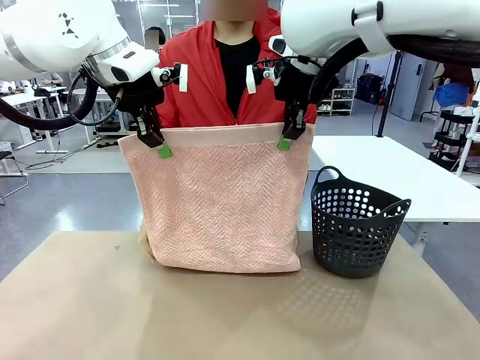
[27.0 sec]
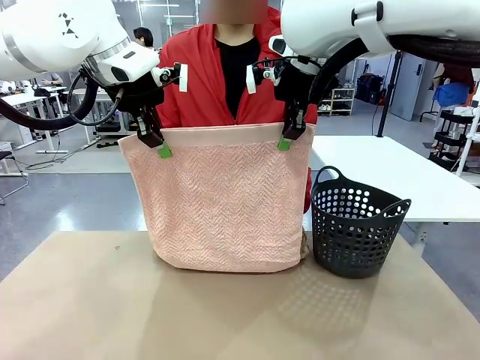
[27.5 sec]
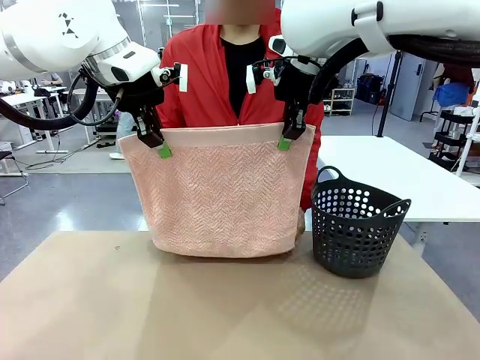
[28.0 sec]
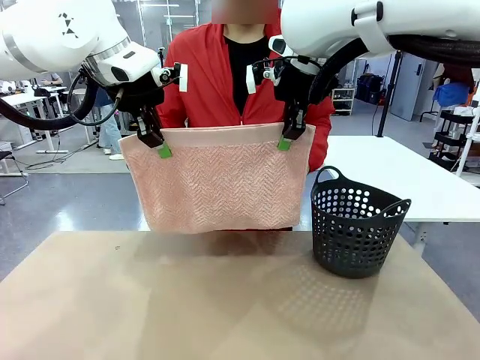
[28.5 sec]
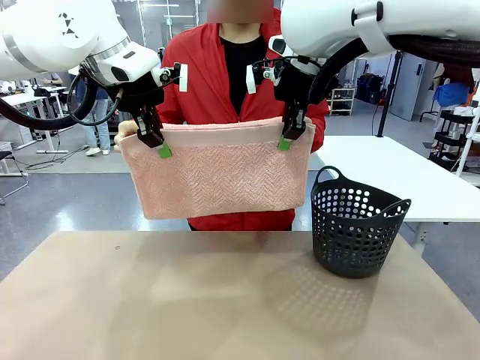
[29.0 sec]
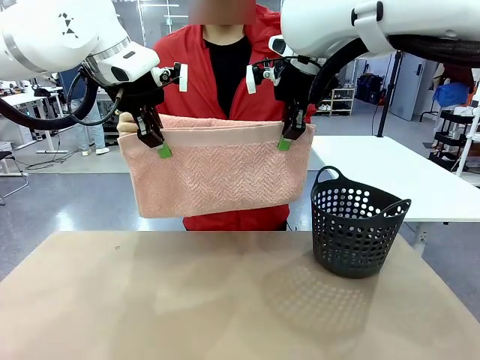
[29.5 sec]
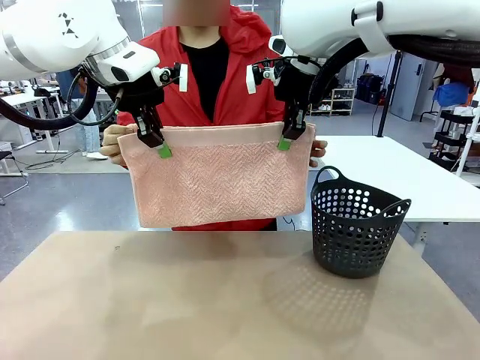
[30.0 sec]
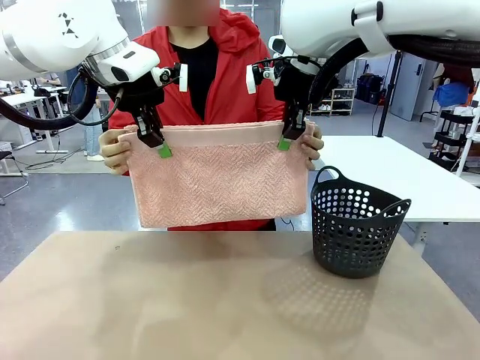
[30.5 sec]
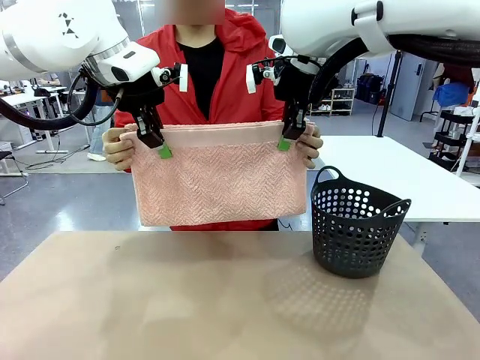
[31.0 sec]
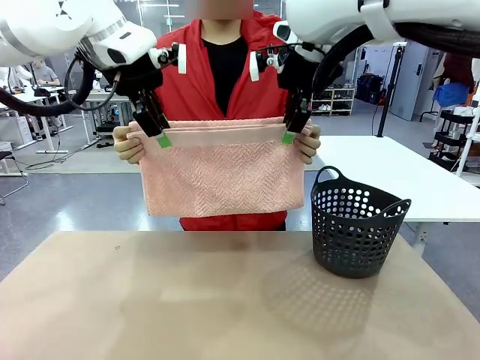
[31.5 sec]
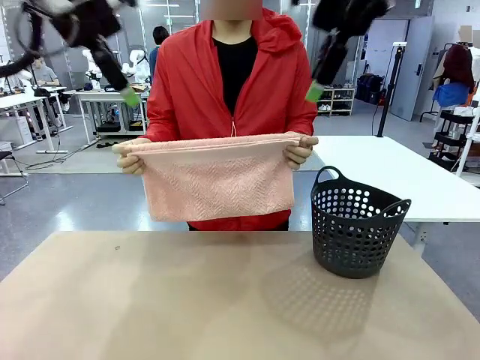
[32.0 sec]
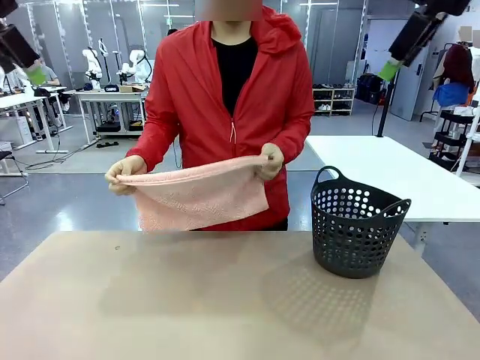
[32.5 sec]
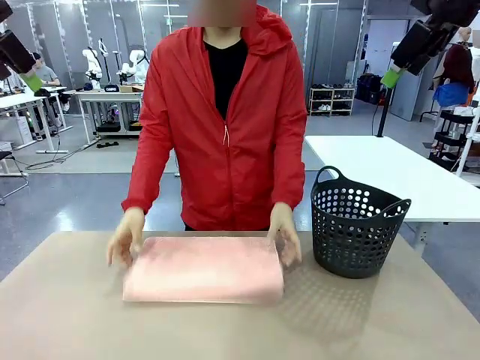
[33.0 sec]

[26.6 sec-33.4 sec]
Task: Fold the towel.
Robot: Release the end of the 100 cm Hotel Towel you were holding.

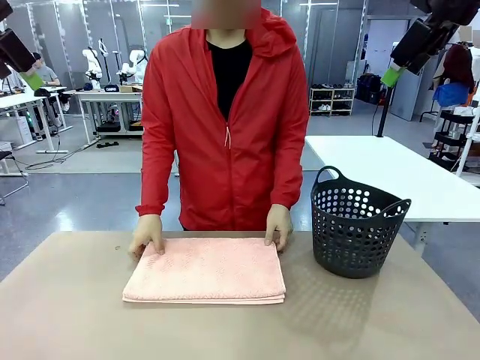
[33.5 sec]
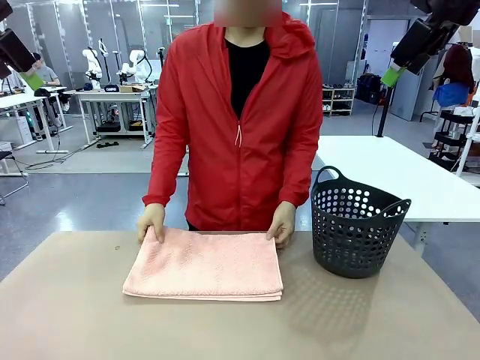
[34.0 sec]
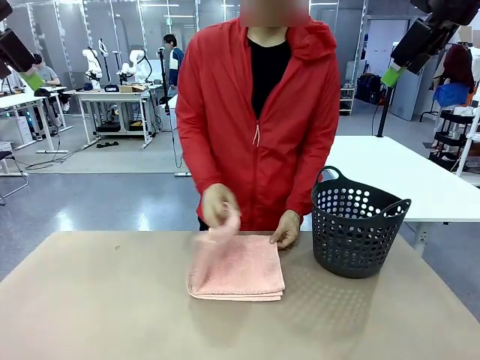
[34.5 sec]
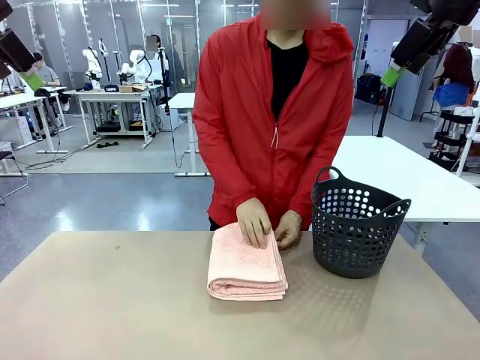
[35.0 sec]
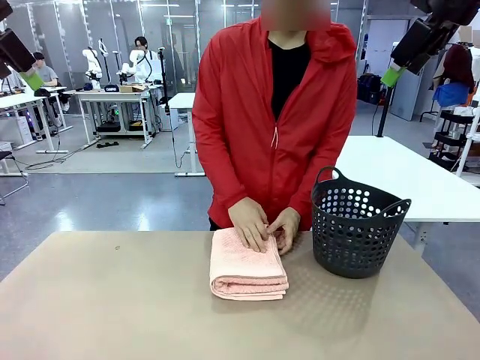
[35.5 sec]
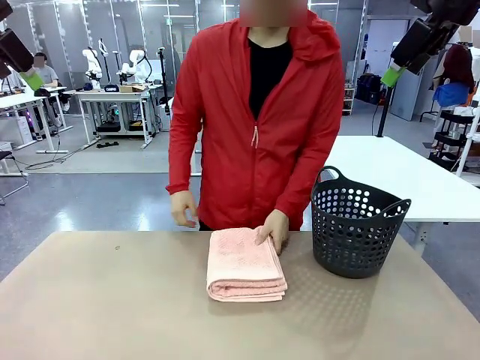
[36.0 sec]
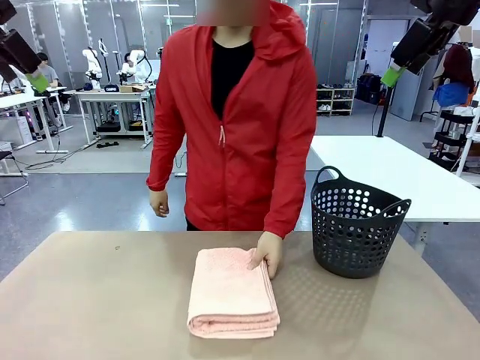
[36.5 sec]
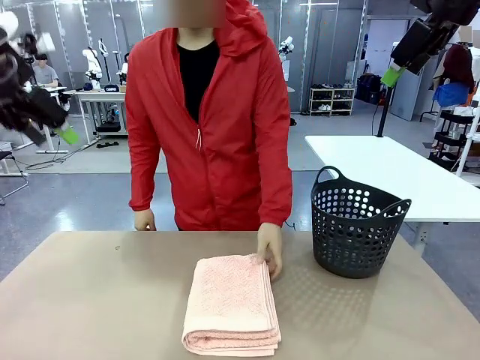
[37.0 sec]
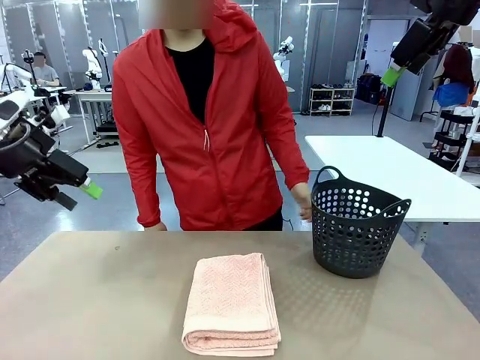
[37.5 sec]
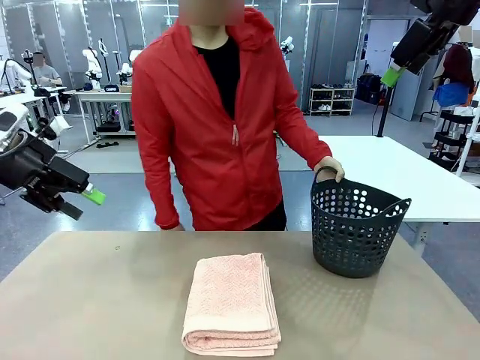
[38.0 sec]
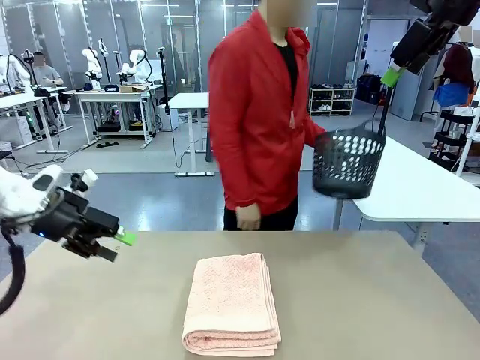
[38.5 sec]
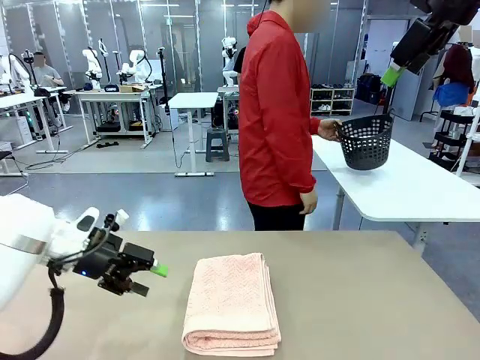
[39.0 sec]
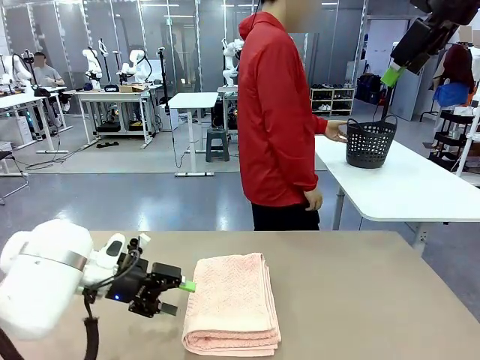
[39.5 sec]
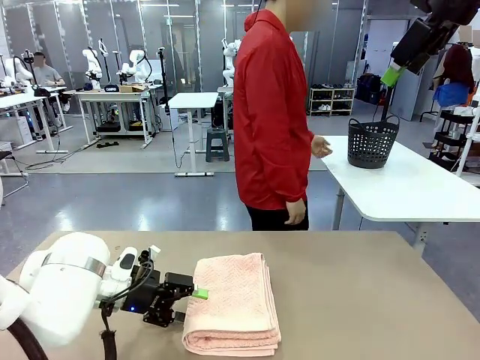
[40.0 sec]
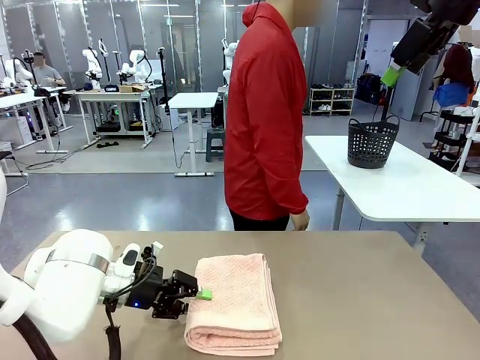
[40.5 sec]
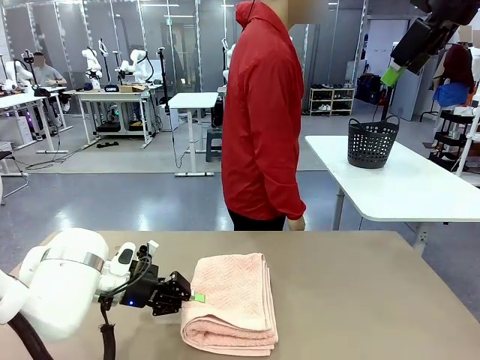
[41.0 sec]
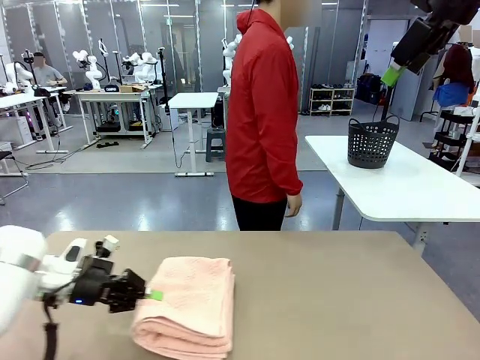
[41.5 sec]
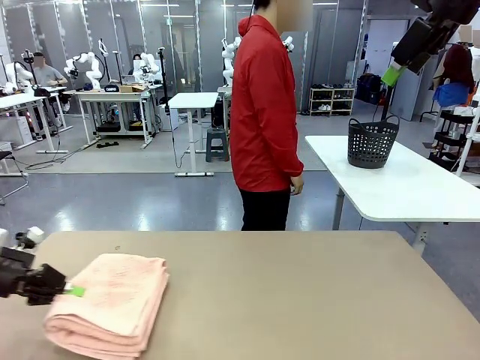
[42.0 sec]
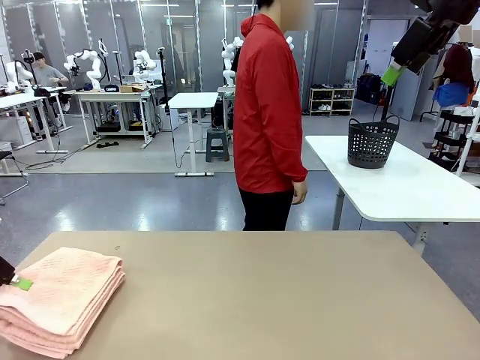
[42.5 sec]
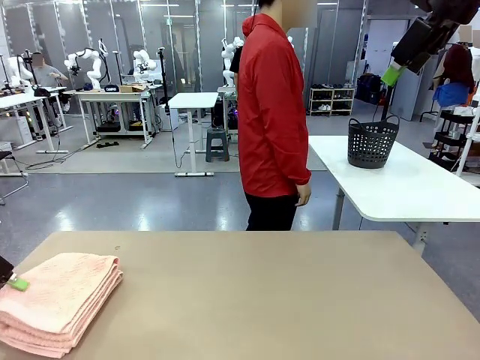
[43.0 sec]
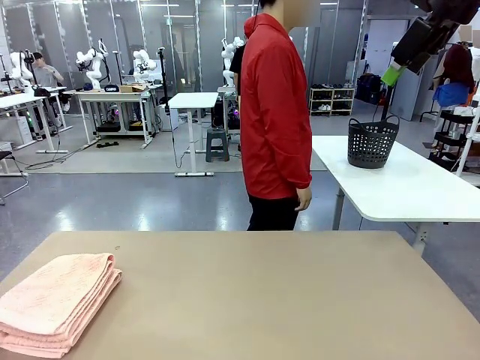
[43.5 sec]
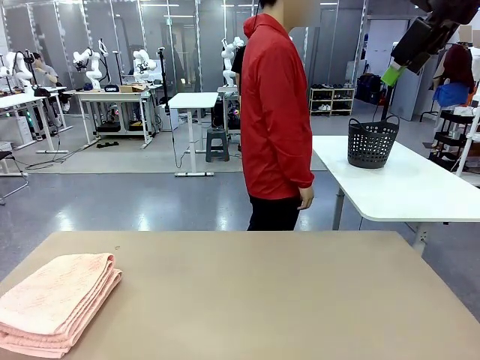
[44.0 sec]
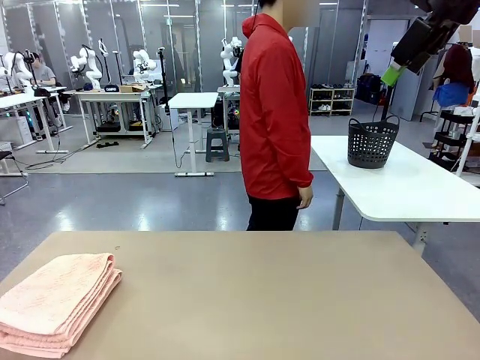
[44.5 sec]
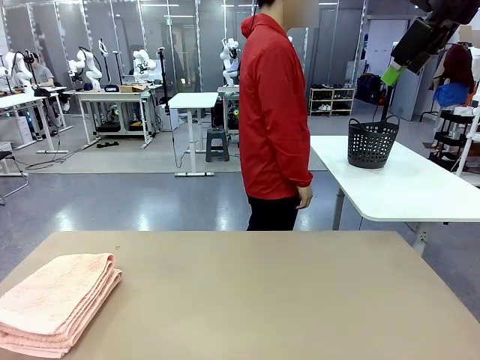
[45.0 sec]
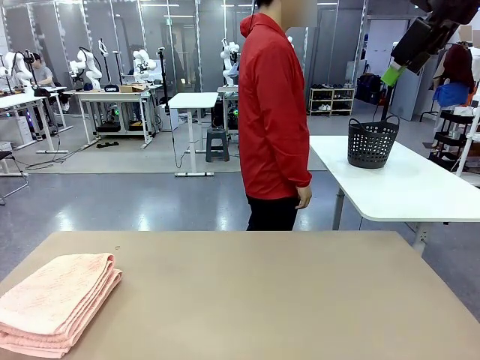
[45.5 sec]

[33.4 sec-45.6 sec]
Robot: Pick up the 100 cm Hotel Towel and place it on the left side of the table.
Person: Place the towel at the center of the robot table and fold it in half. Pick up the laundry basket and place it at the center of the human table.
